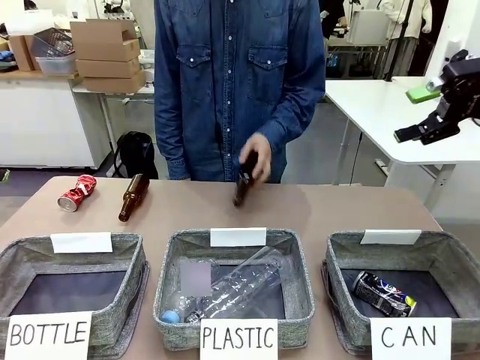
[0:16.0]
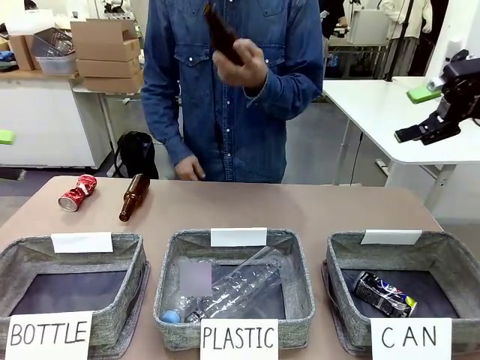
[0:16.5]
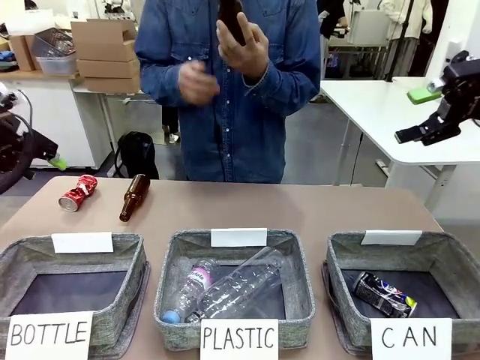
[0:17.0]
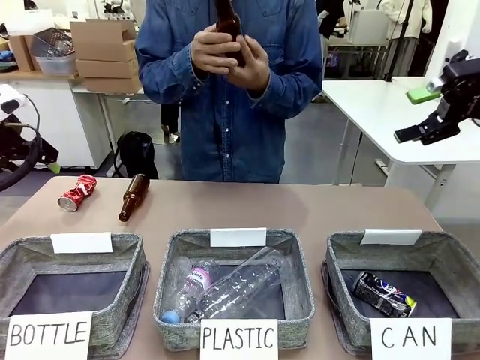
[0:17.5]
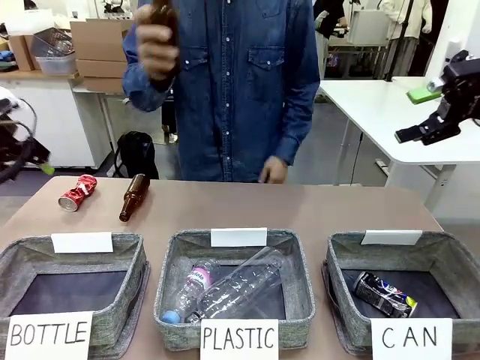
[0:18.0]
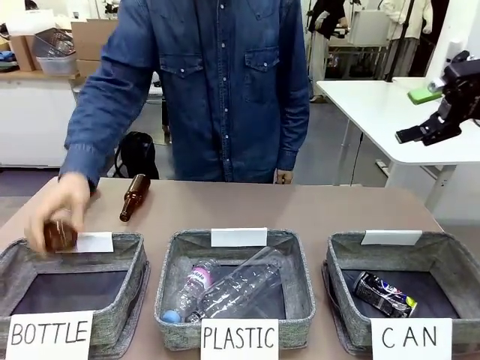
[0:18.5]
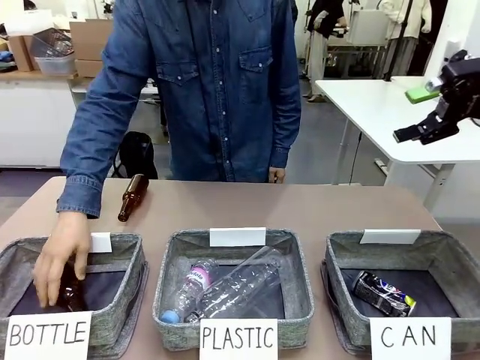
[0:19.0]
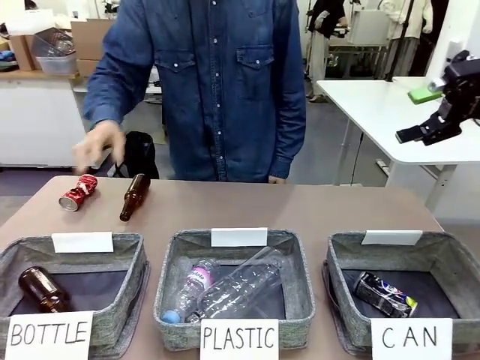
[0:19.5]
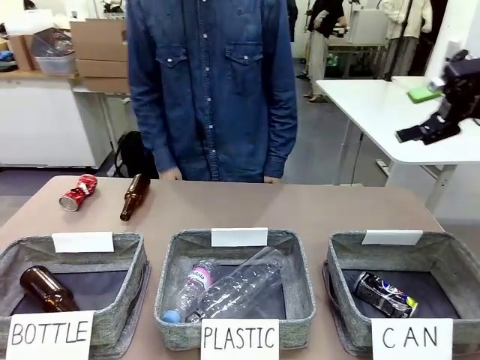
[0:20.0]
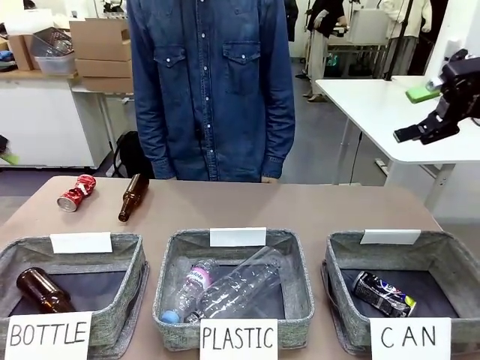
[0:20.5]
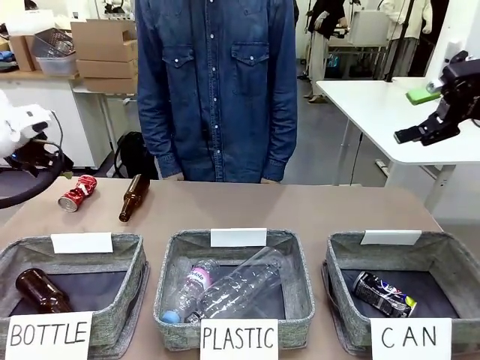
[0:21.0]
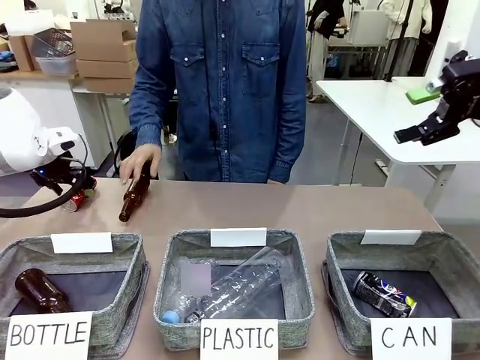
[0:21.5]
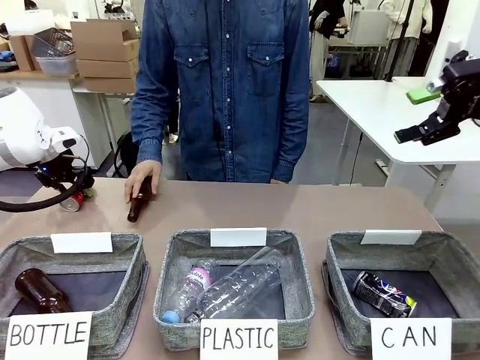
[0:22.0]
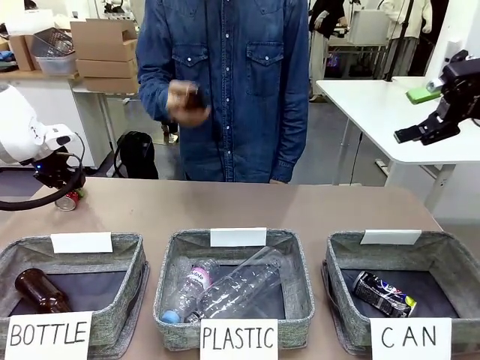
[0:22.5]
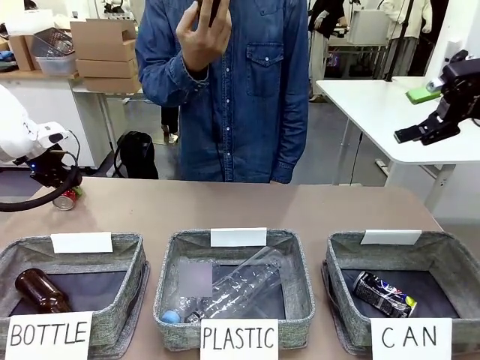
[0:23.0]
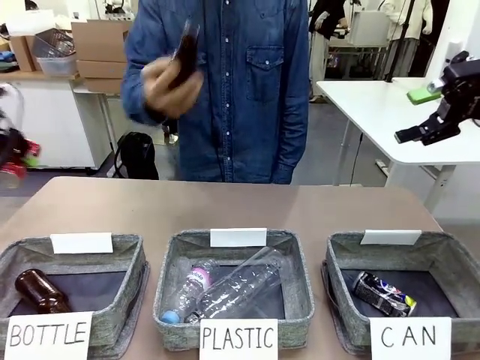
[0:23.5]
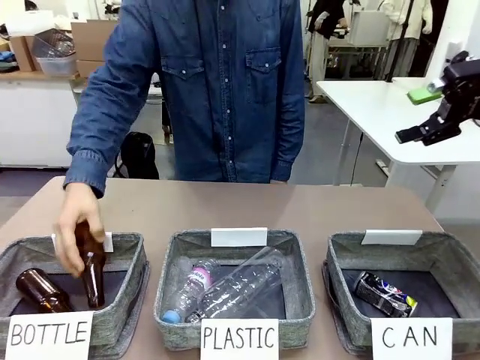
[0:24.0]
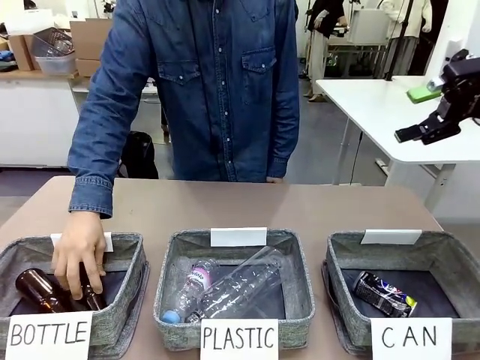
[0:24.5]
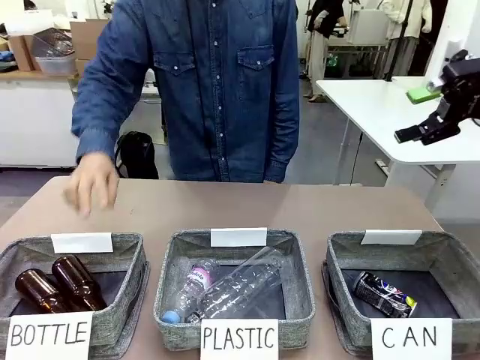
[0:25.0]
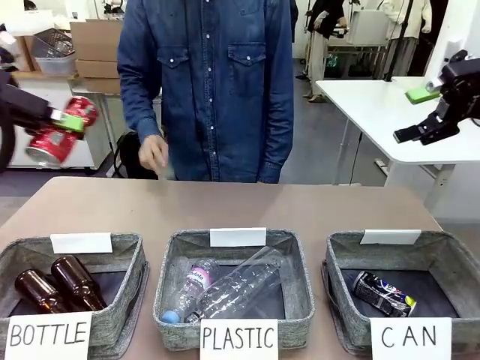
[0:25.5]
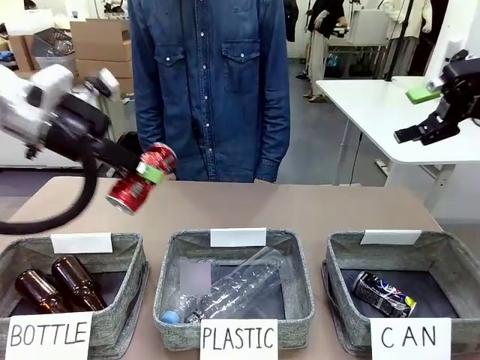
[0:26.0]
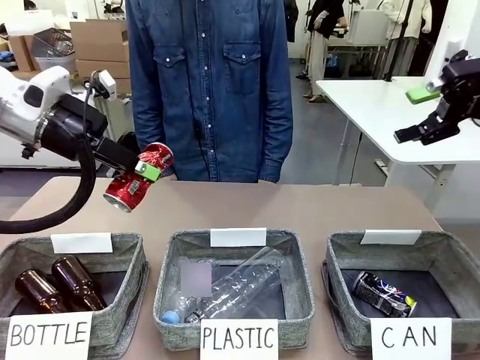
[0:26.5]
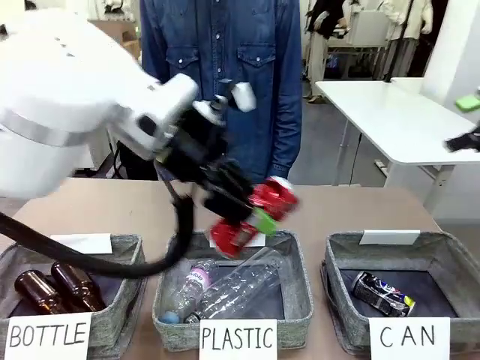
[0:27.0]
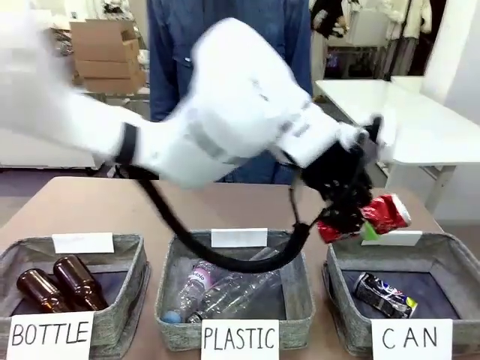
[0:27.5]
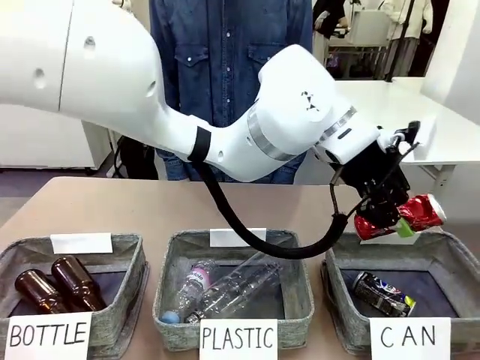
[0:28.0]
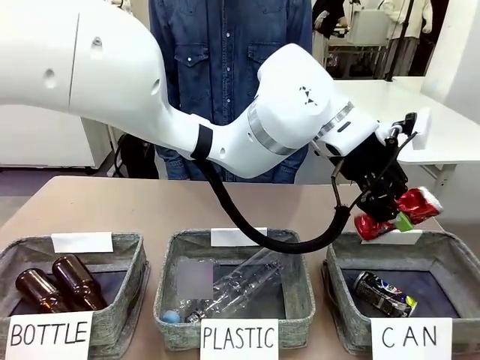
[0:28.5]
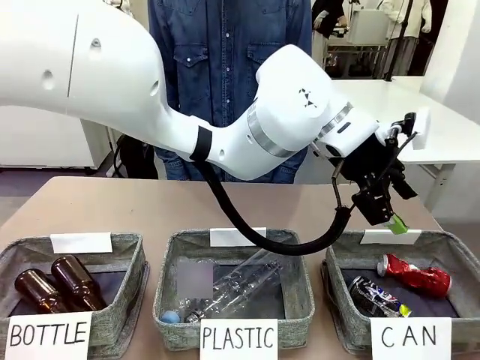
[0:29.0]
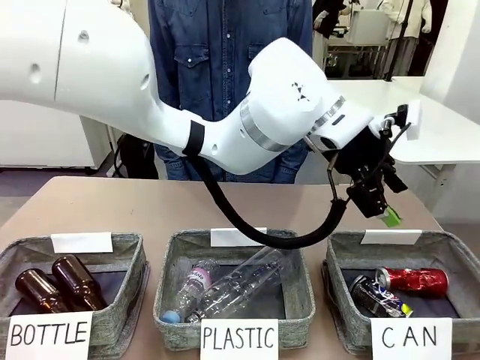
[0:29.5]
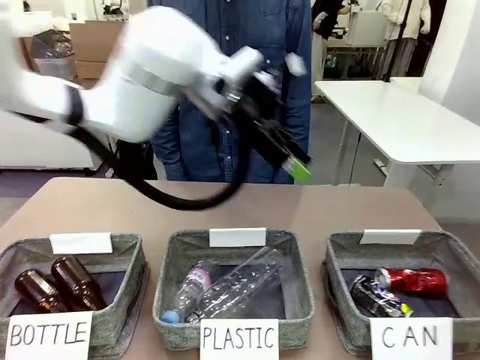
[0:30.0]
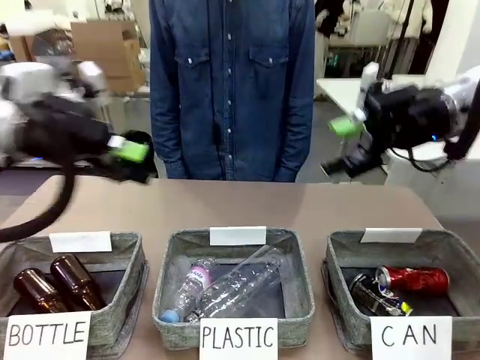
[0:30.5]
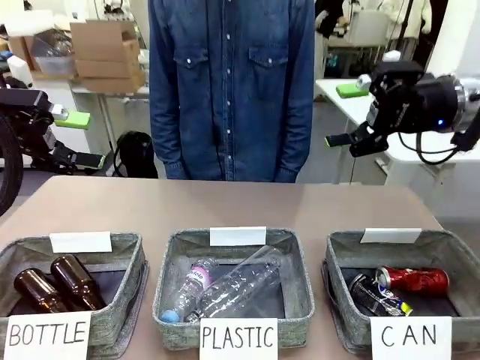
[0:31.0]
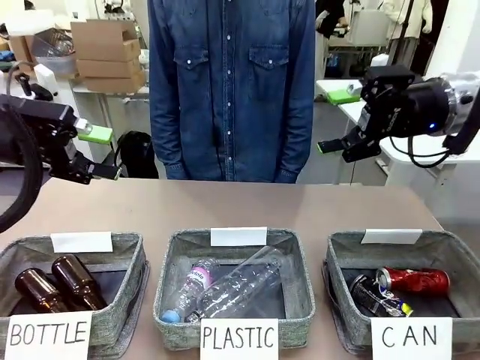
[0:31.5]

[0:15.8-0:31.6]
Task: Sort the can waste into the basket.
Robot: Pick up the can waste from the table and place it in the right Fabric basket.

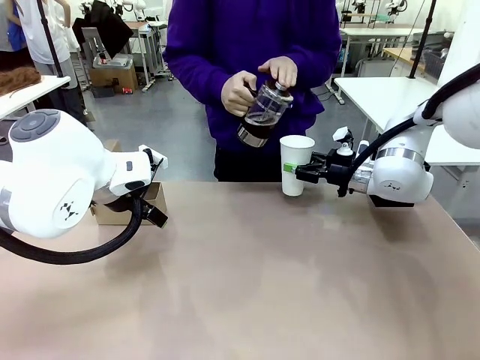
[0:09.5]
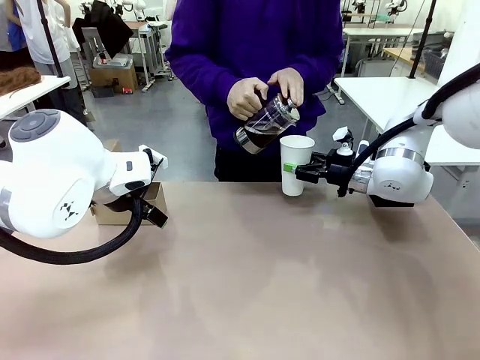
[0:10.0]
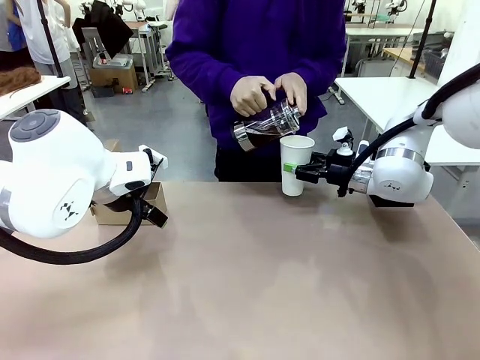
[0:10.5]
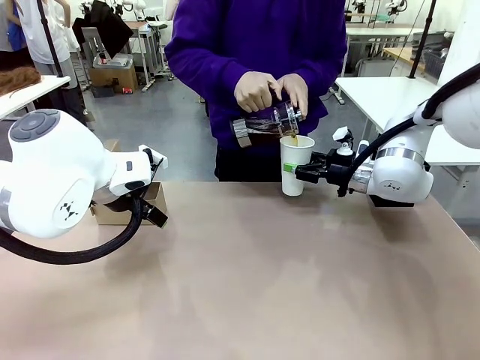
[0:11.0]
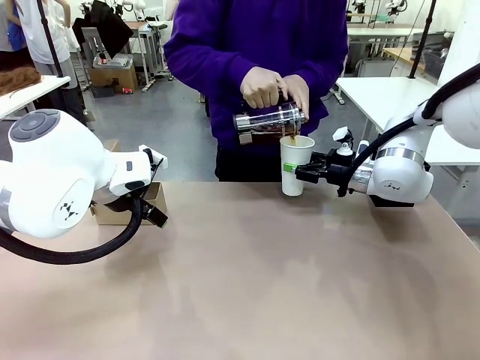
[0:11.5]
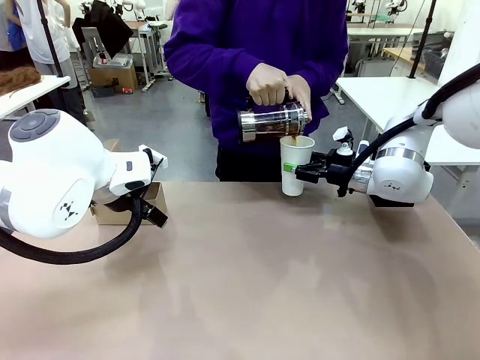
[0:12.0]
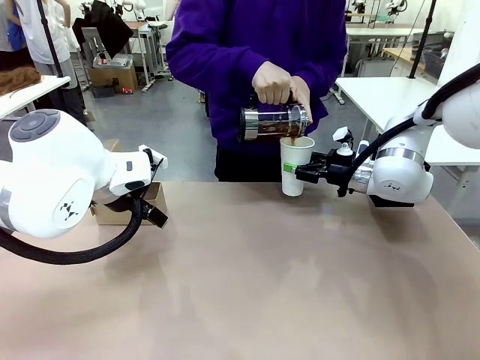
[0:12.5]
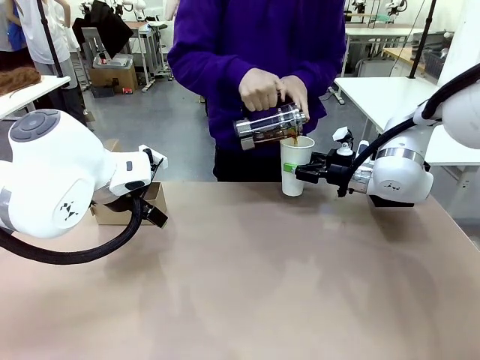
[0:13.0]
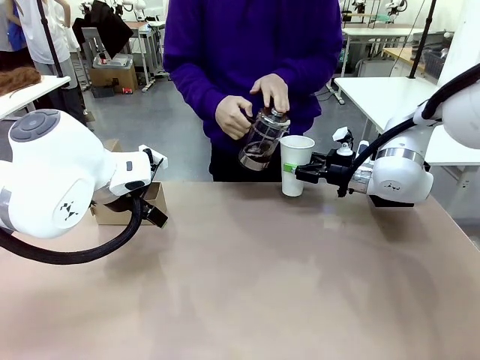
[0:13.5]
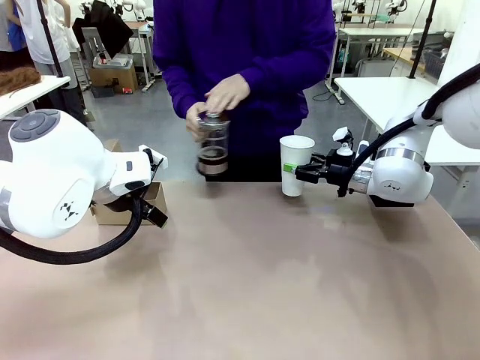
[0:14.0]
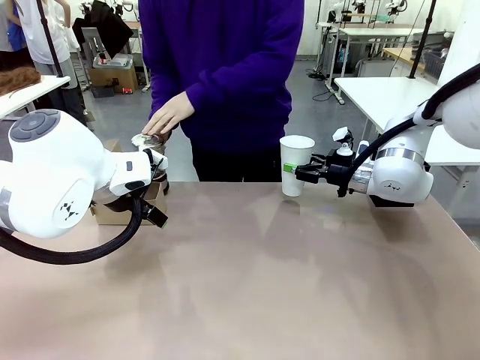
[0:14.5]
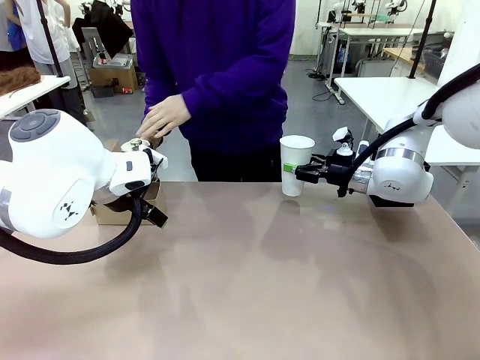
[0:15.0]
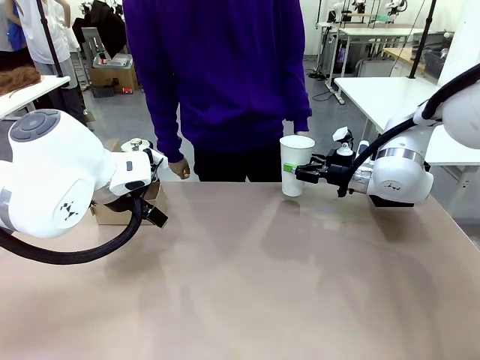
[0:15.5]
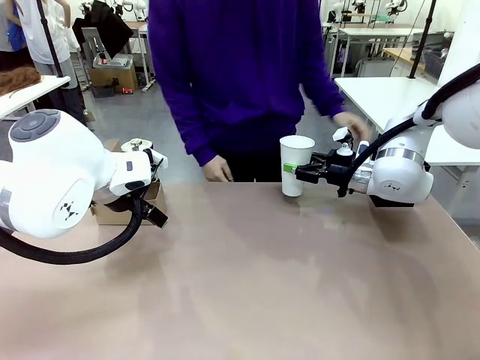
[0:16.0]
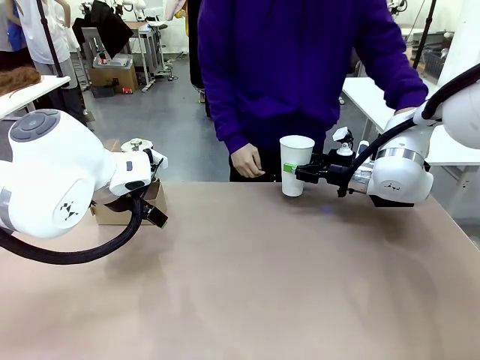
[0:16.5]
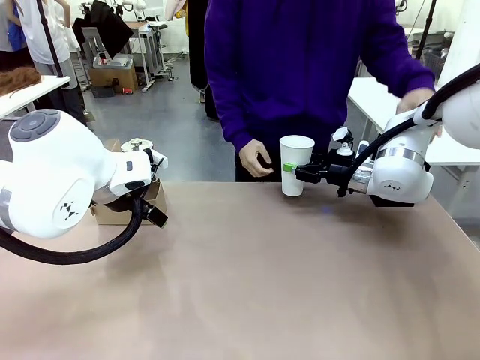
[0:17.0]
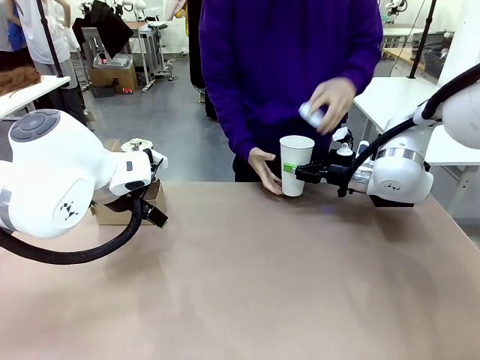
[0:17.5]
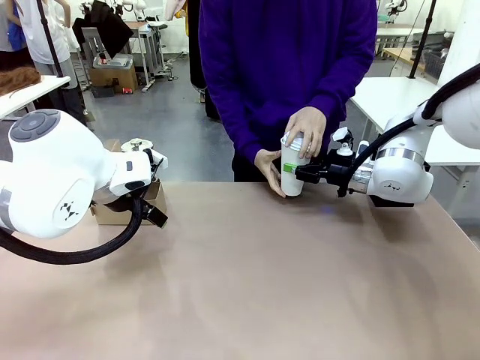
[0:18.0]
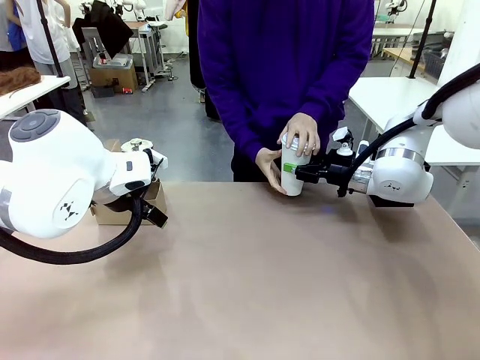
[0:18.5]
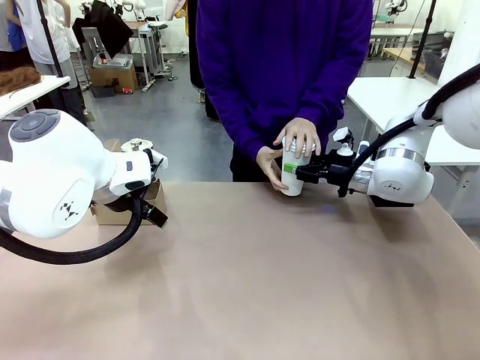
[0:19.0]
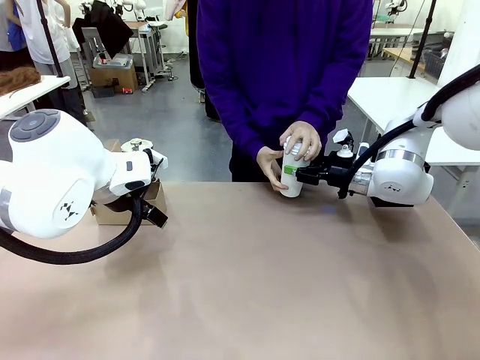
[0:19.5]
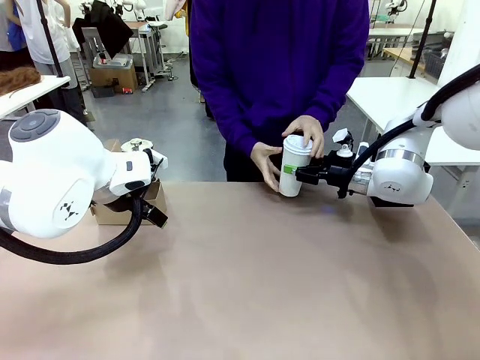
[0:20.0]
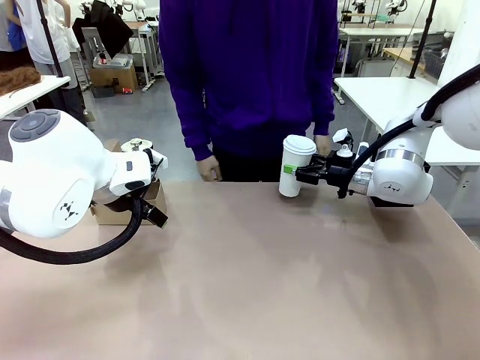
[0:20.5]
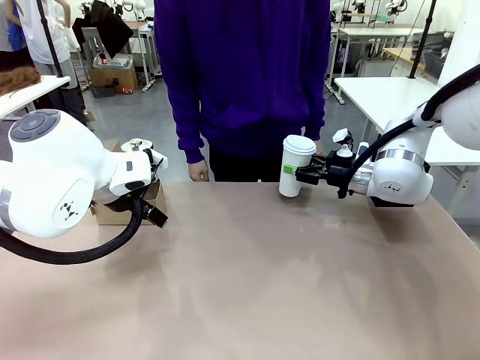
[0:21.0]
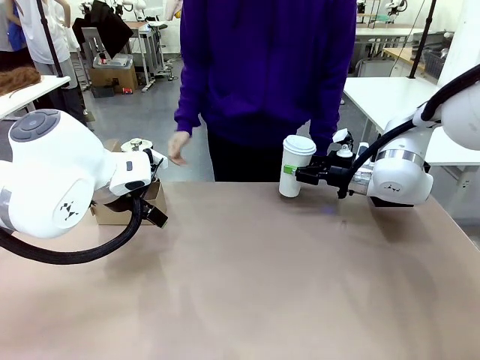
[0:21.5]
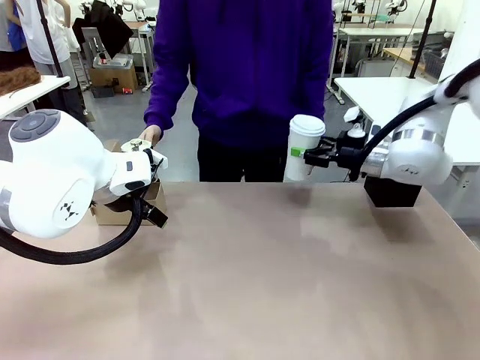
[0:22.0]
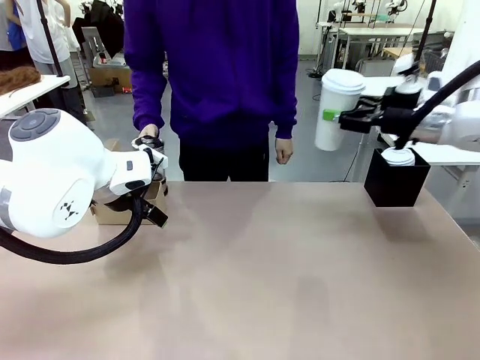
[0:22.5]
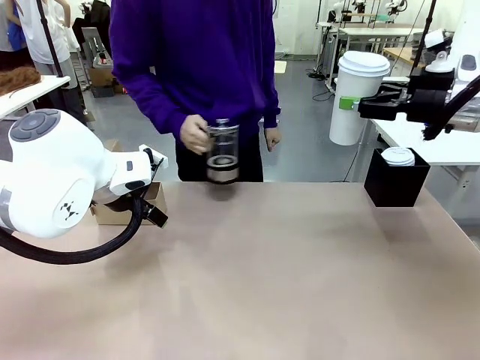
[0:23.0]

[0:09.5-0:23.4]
Task: Pour a drink into a cup and package it in a carrier.
Robot: When a person places the Paper Cup Lid on the 600 ml Paper Cup , lift the 600 ml Paper Cup.
Person: Pour the drink from the Filter Brewing into the 600 ml Paper Cup. Place a Paper Cup Lid on the 600 ml Paper Cup.
